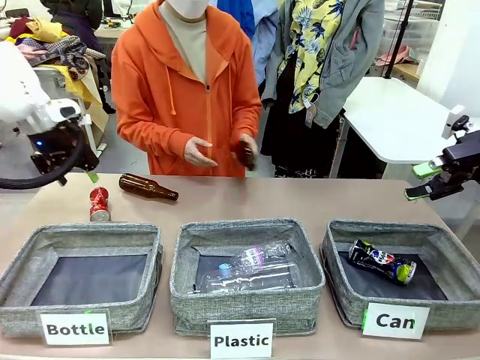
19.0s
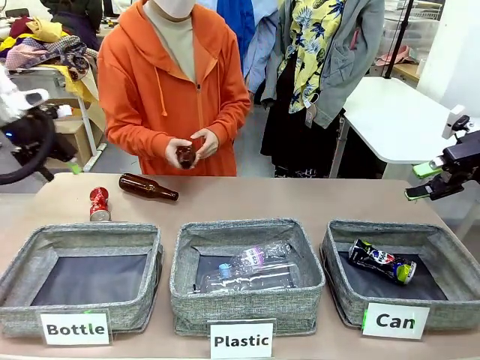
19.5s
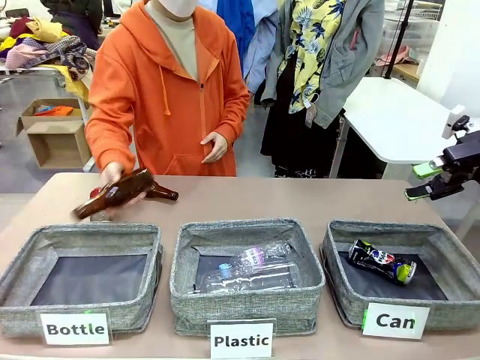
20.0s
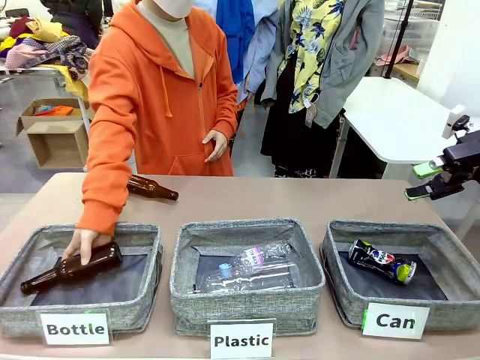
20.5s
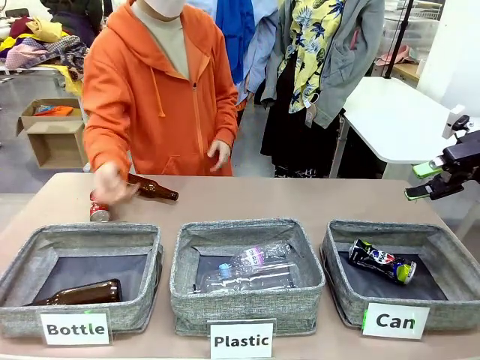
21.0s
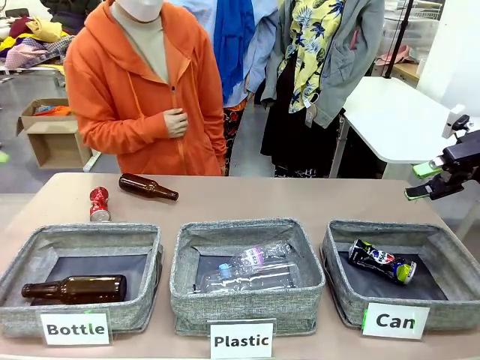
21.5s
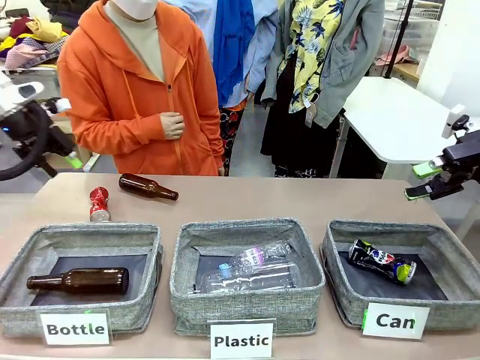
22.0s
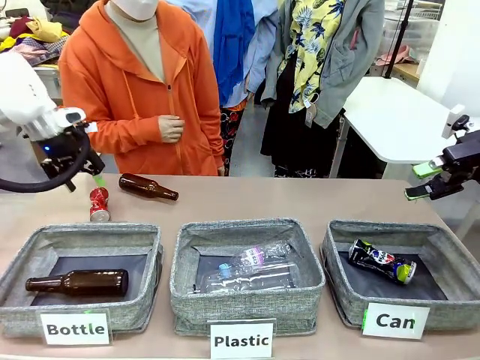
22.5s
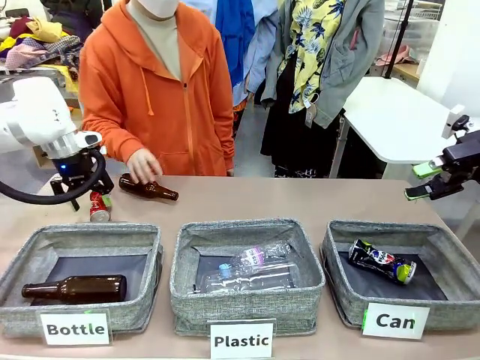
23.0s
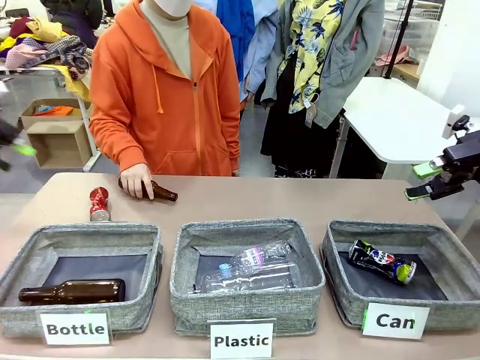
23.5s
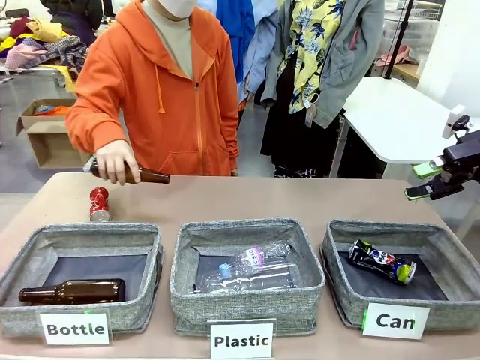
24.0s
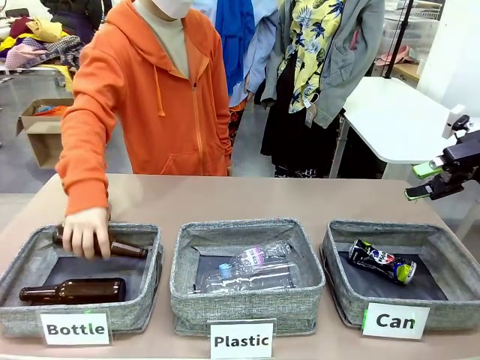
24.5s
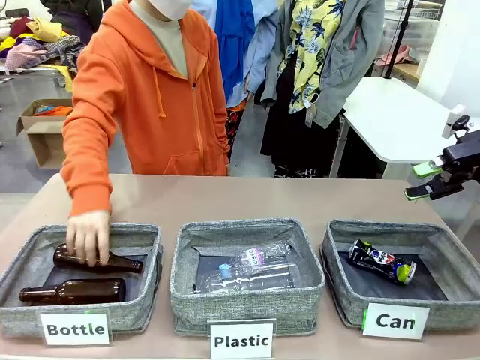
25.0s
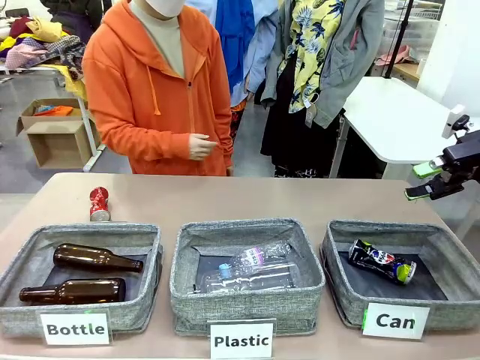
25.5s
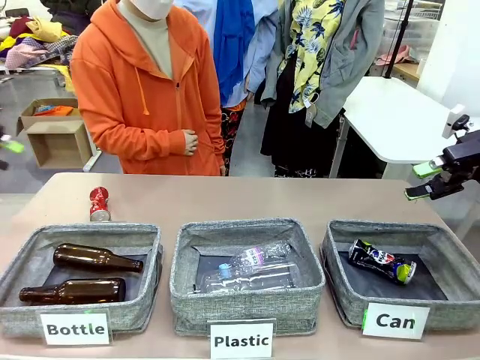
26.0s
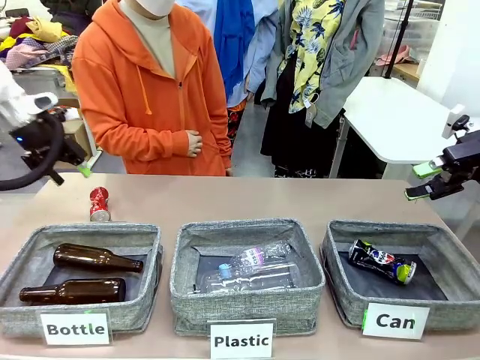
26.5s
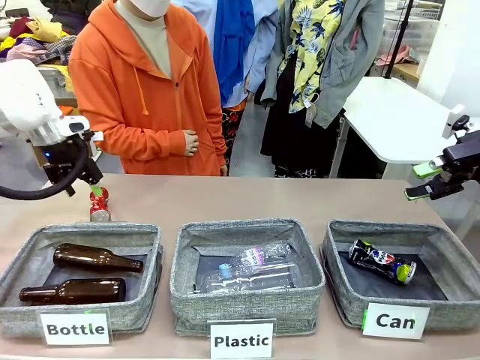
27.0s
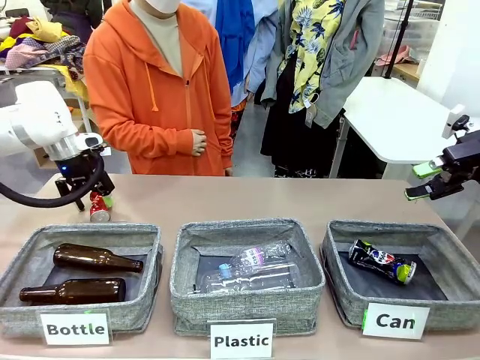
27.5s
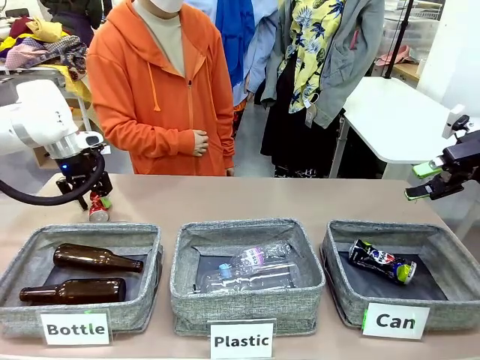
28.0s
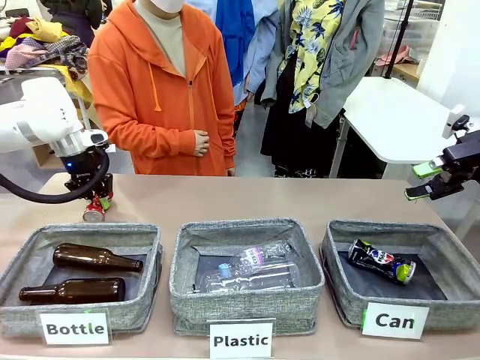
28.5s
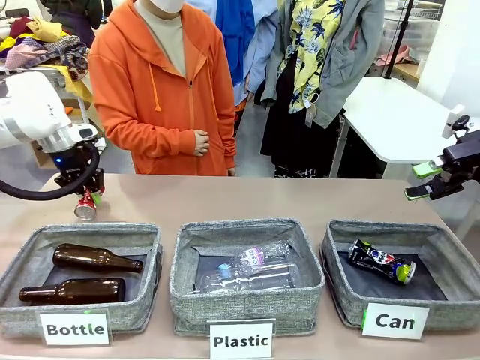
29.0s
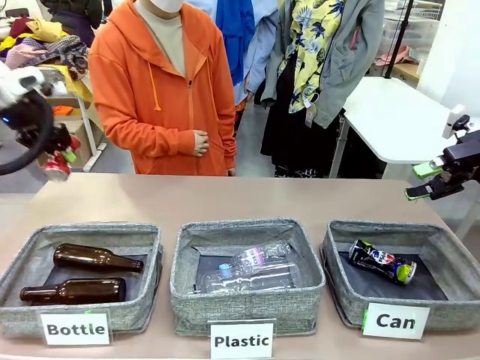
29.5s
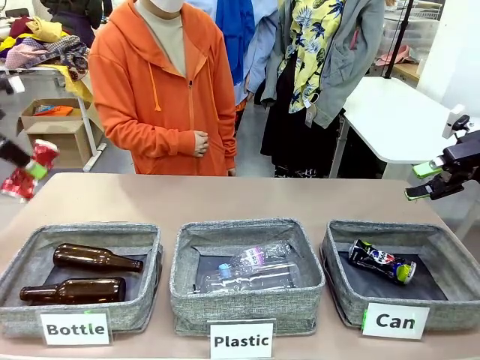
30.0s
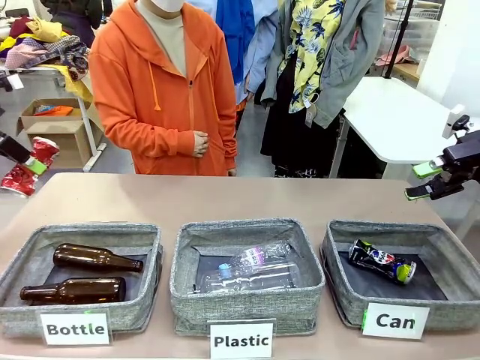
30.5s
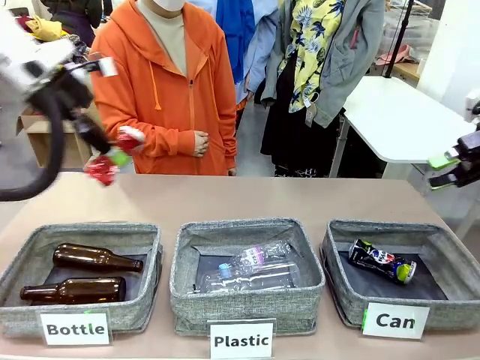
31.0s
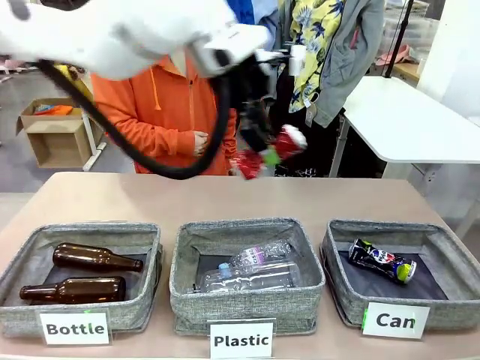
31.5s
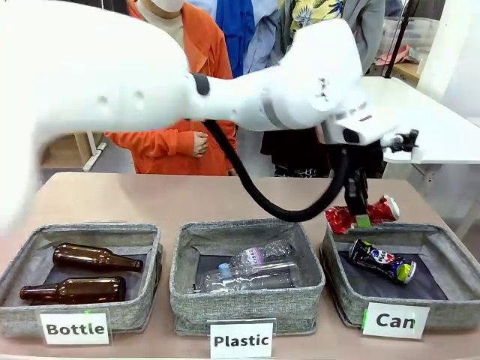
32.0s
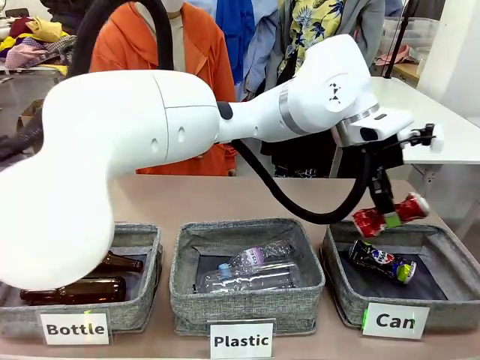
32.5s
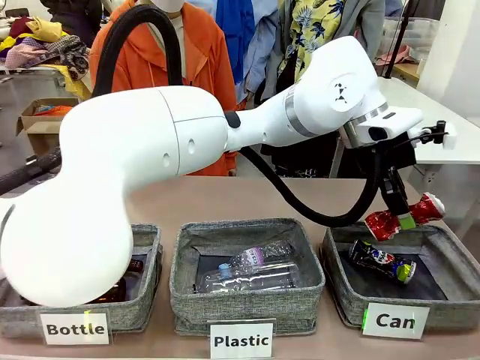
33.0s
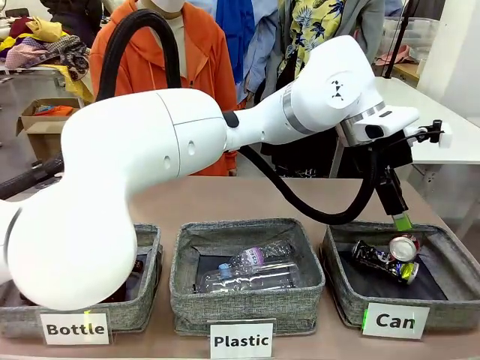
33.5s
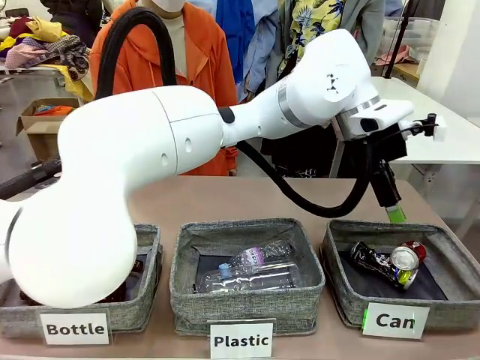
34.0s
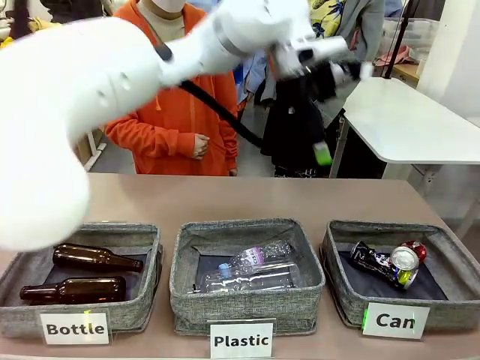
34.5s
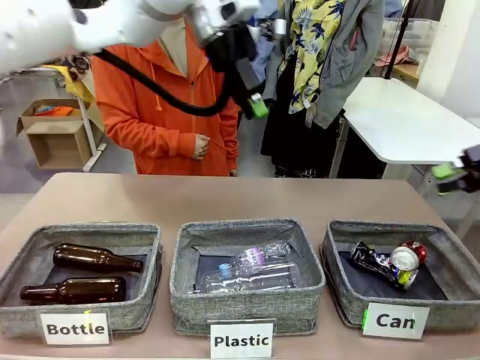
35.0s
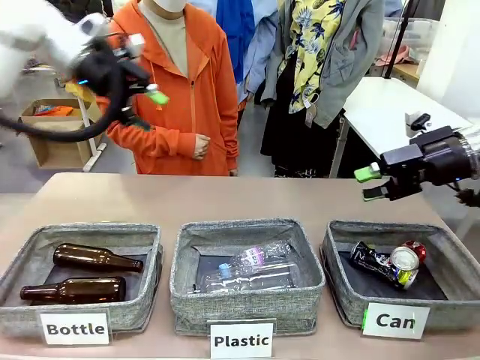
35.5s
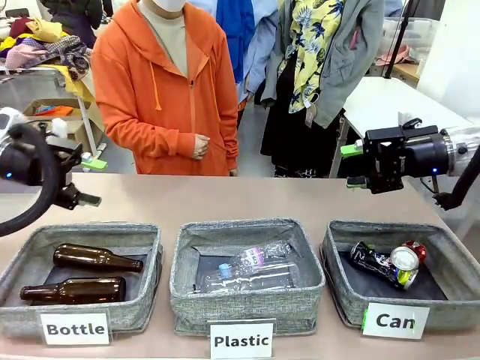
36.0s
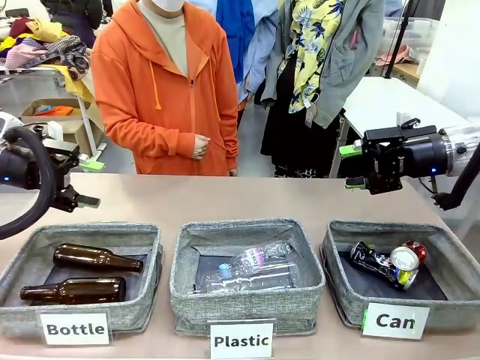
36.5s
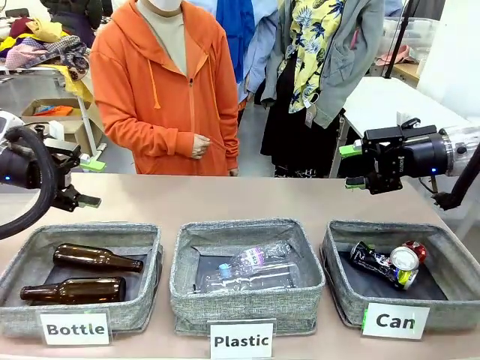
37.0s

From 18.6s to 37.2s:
Task: Sort the can waste into the basket.
Robot: Pick up the can waste from the table and place it in the right Fabric basket.
